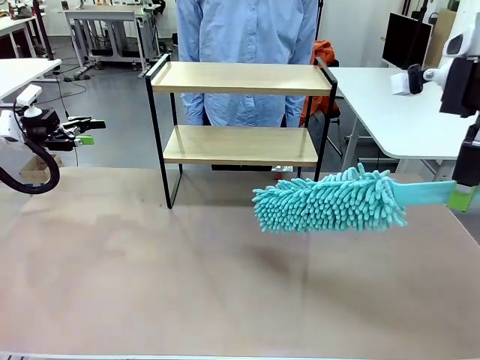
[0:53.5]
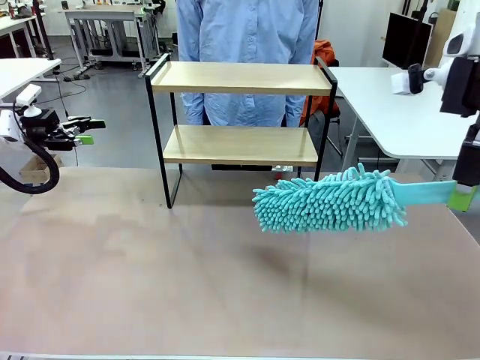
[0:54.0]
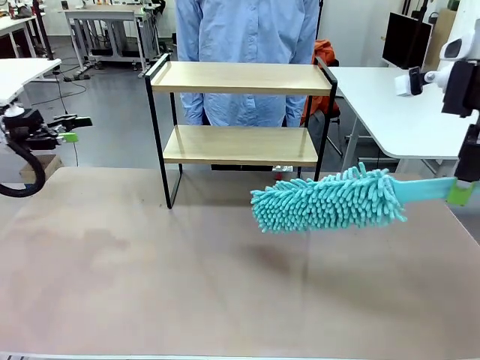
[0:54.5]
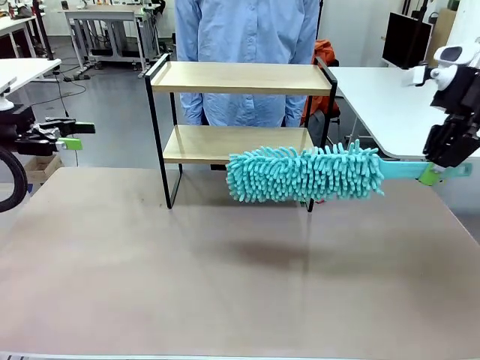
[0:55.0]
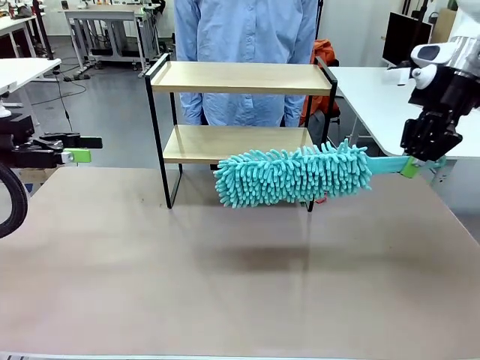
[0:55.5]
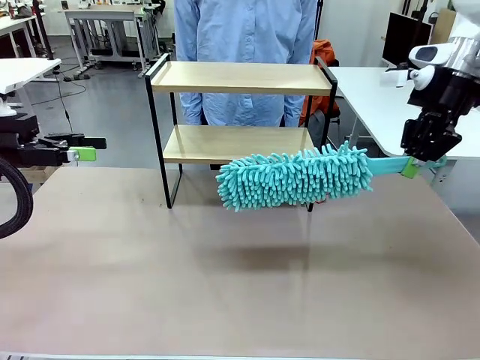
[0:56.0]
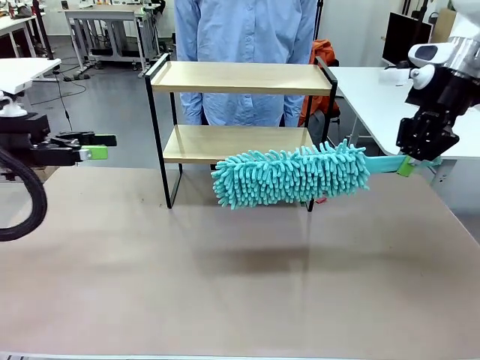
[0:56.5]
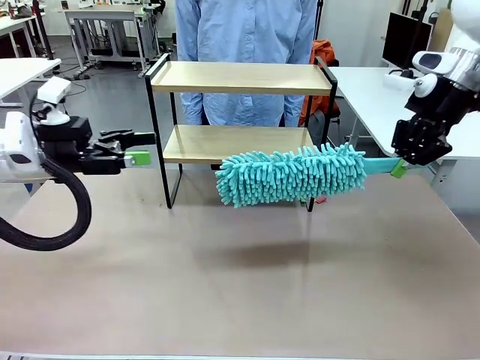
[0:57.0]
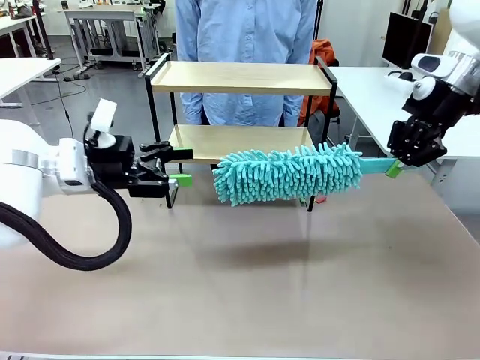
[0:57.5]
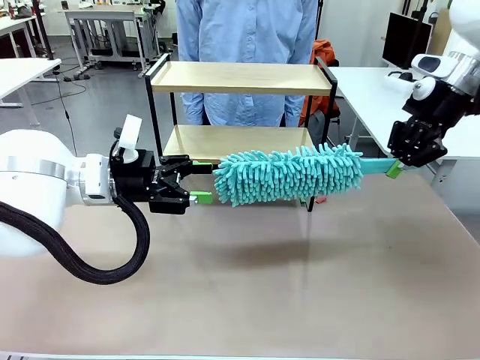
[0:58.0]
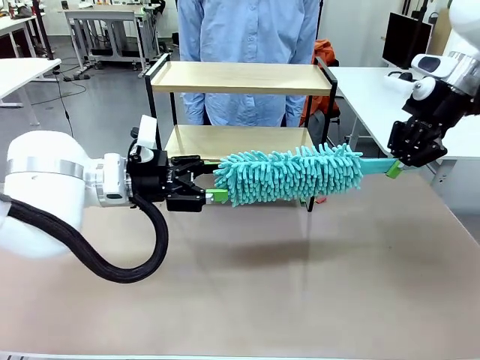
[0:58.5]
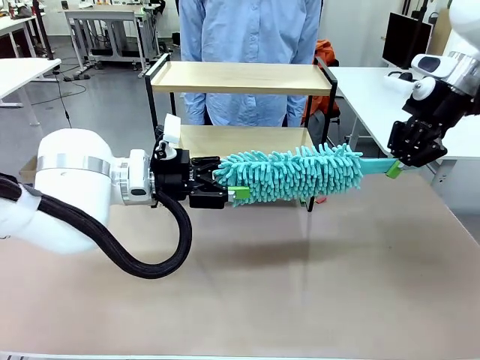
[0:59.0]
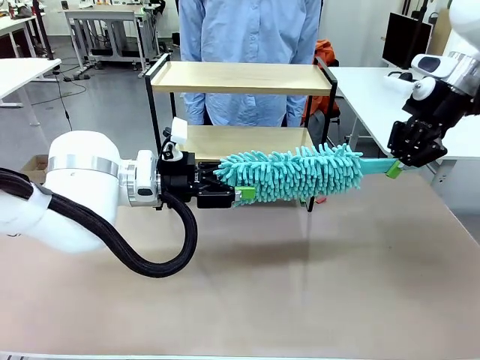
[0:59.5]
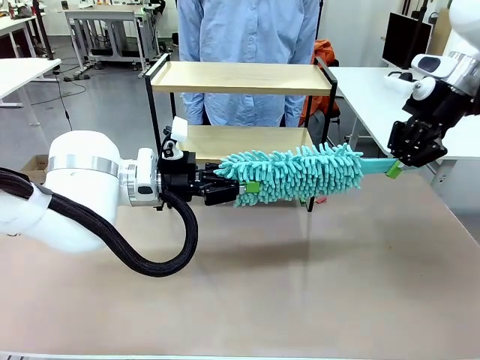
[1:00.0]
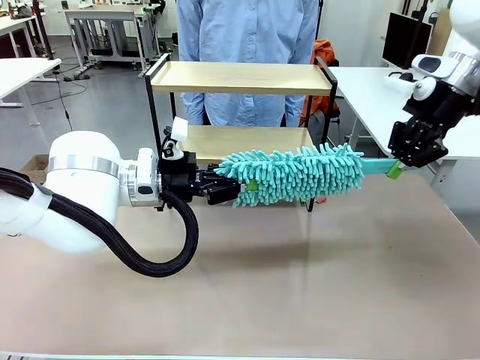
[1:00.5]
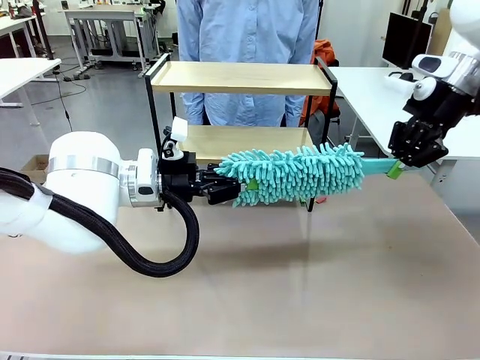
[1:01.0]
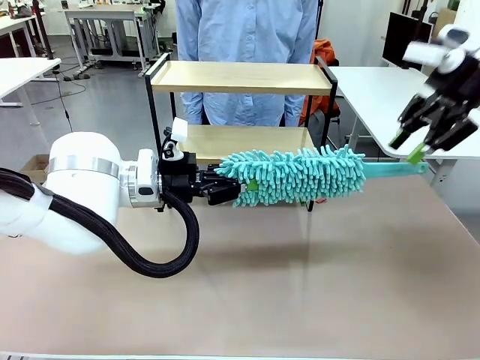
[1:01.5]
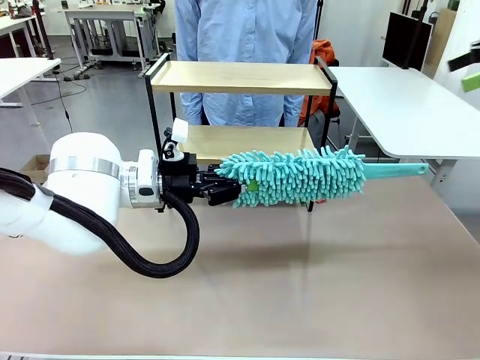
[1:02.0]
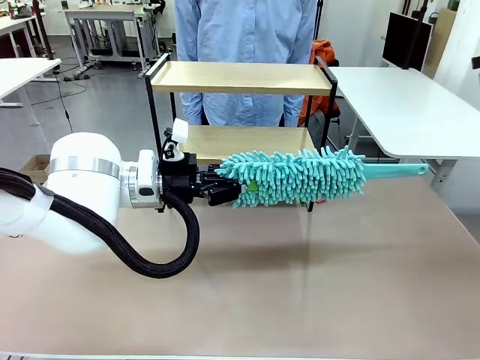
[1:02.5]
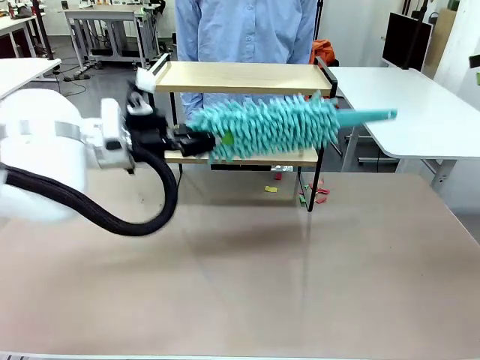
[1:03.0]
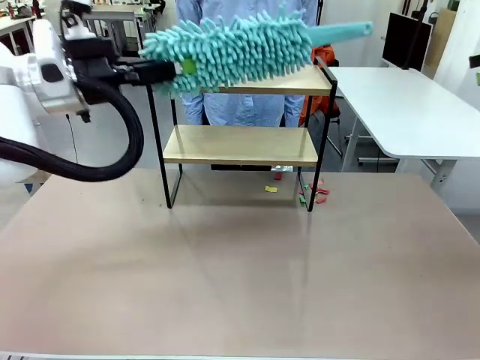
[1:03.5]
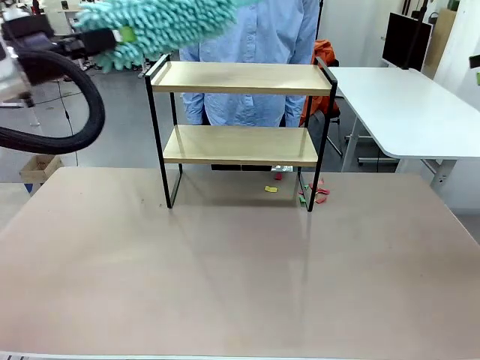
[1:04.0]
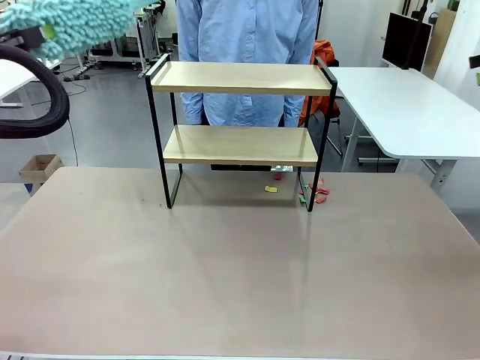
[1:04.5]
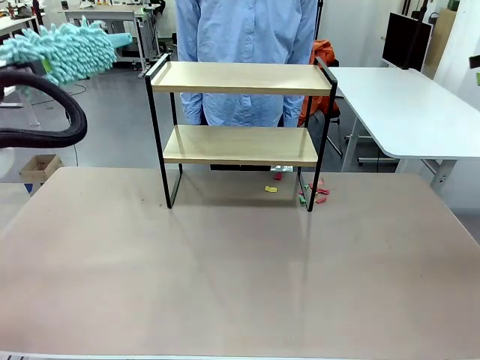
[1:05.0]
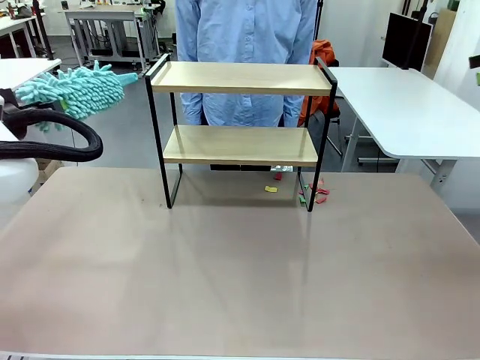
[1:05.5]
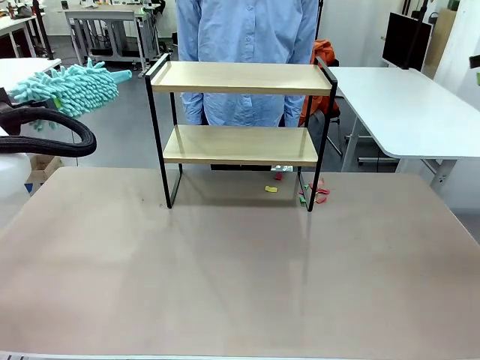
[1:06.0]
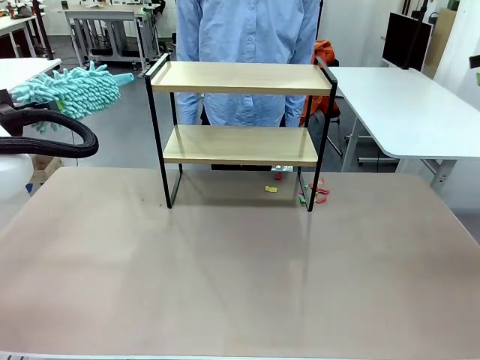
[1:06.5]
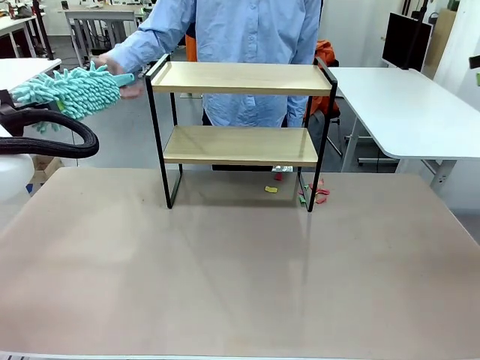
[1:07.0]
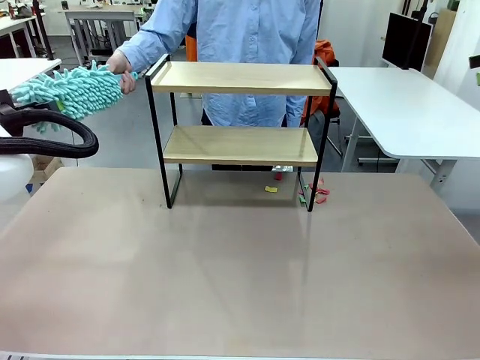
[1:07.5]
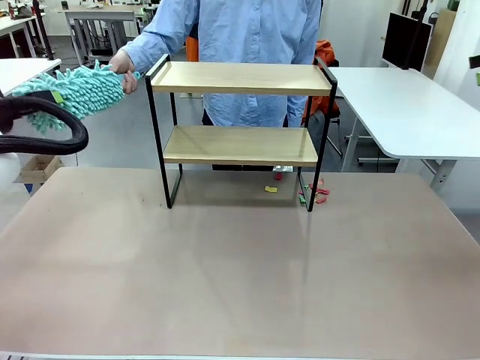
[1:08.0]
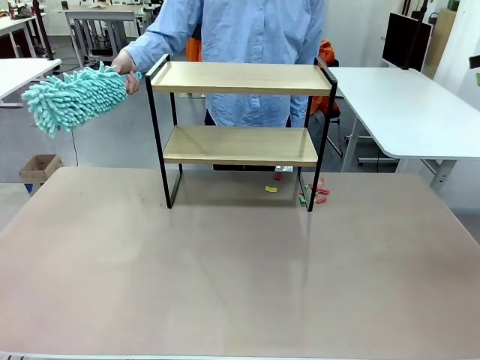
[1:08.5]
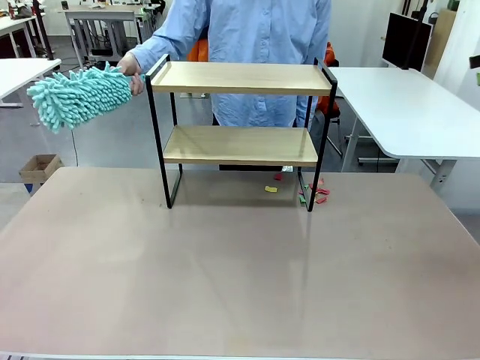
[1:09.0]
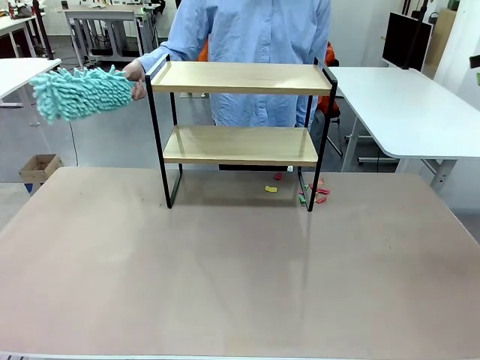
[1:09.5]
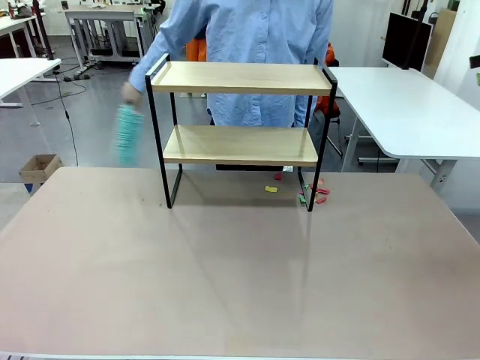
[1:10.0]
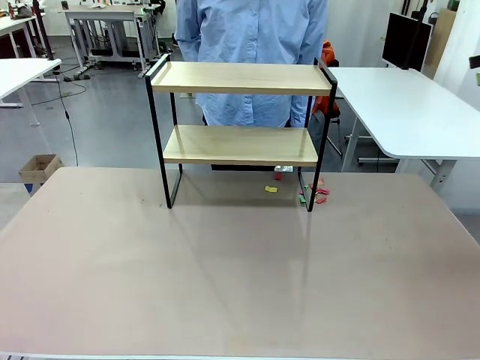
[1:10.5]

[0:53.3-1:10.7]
Task: Clean the shelf.
Robot: Hand the Duster back to the human.
Person: Receive the Duster from the robot.
